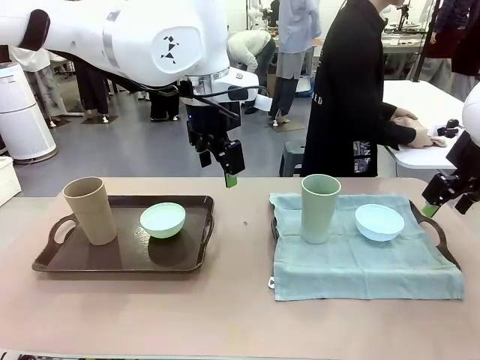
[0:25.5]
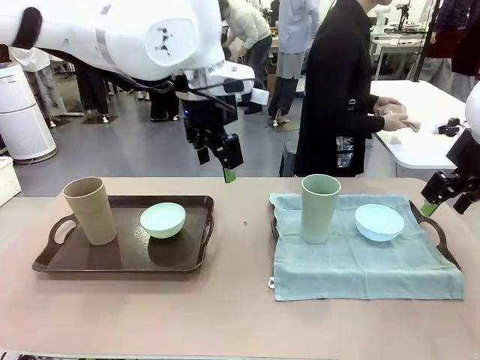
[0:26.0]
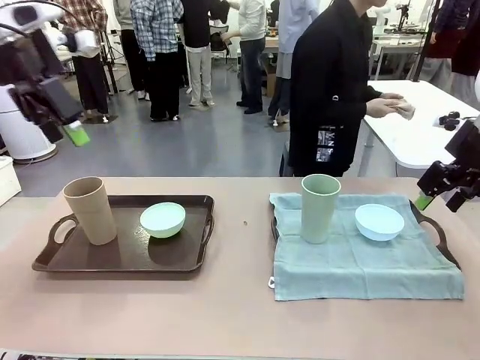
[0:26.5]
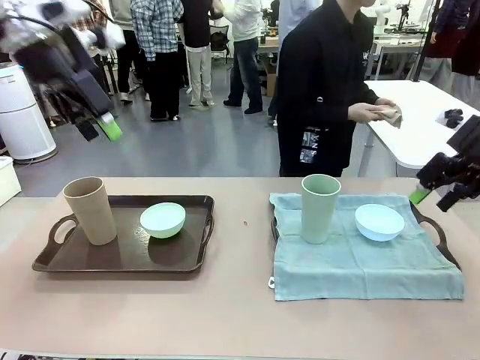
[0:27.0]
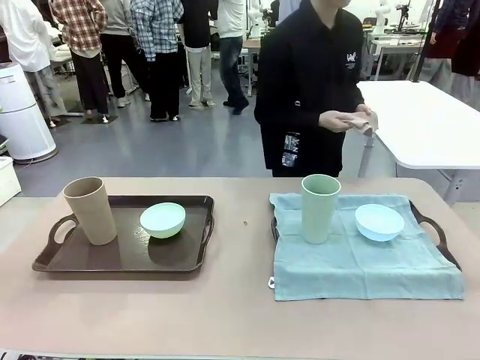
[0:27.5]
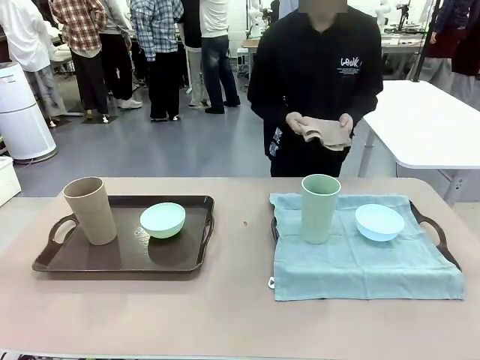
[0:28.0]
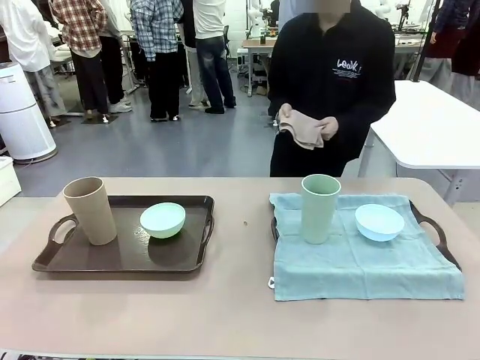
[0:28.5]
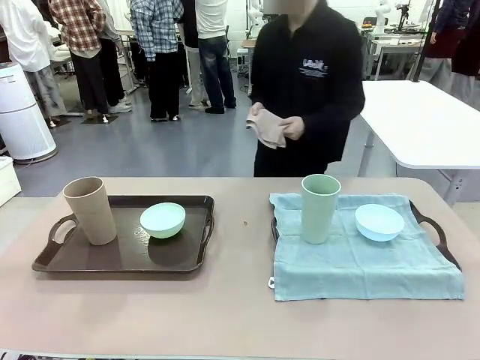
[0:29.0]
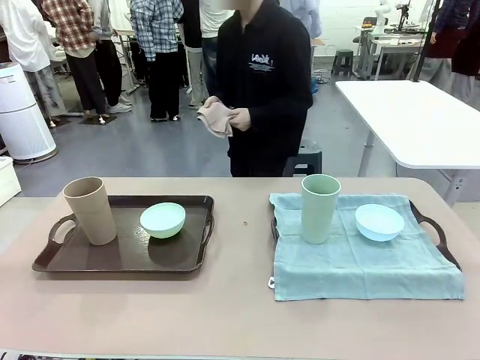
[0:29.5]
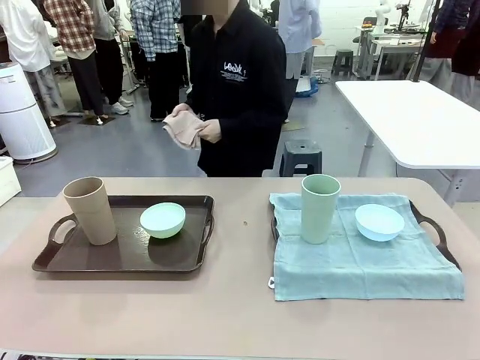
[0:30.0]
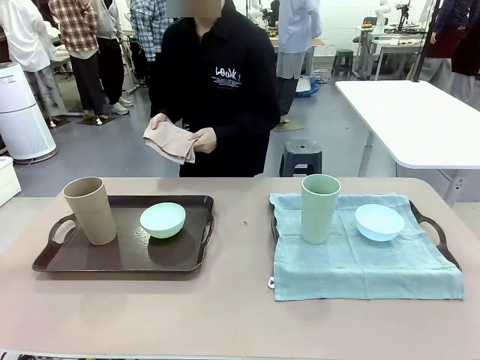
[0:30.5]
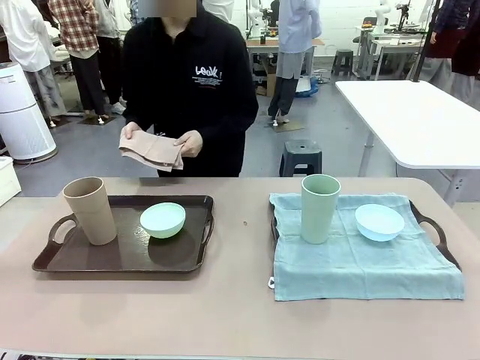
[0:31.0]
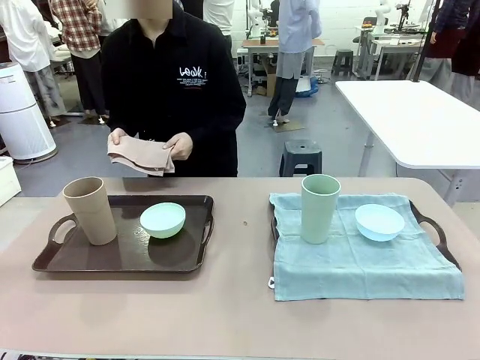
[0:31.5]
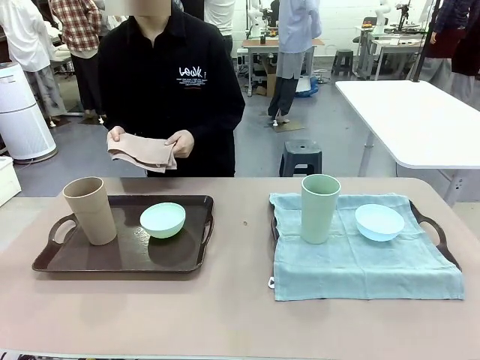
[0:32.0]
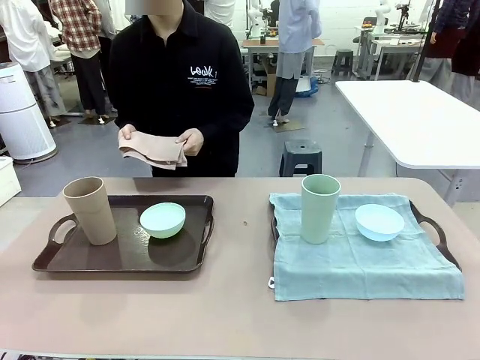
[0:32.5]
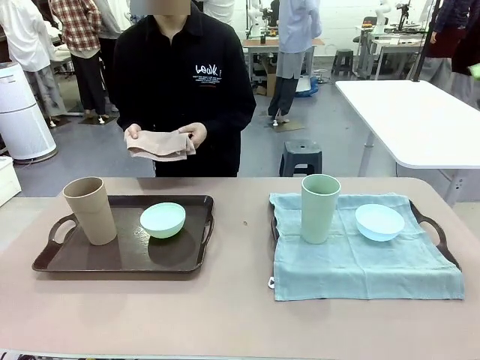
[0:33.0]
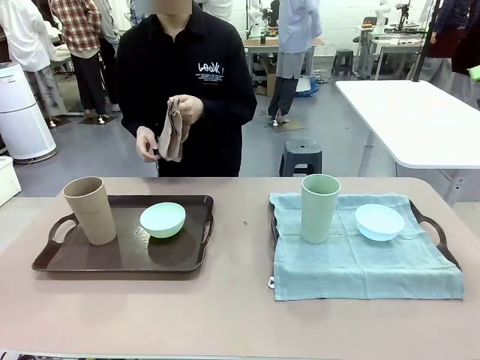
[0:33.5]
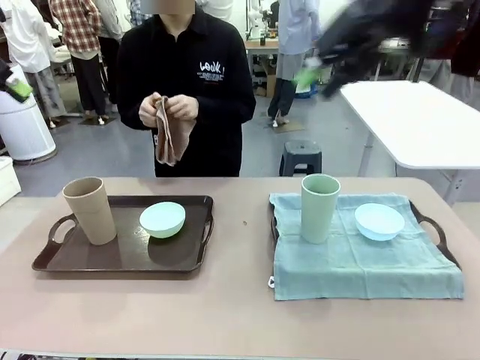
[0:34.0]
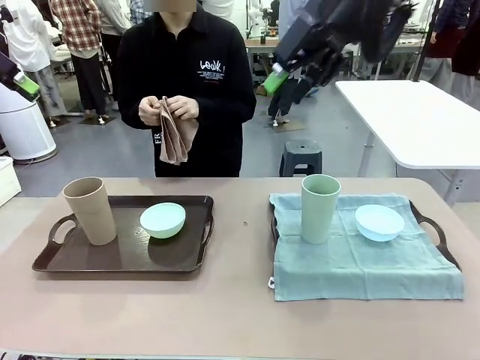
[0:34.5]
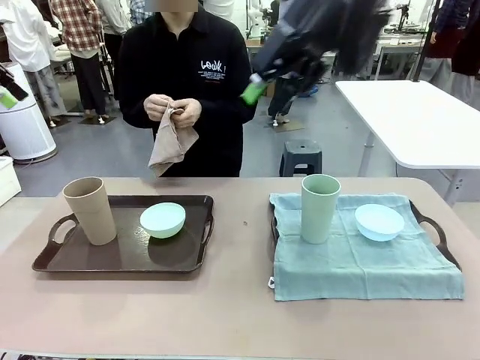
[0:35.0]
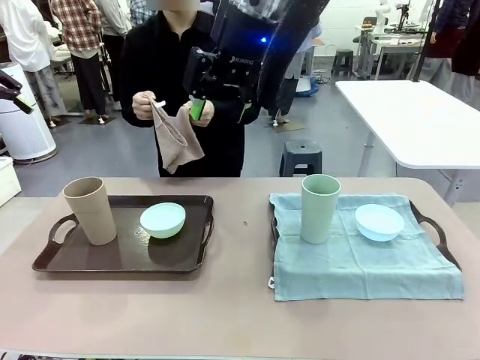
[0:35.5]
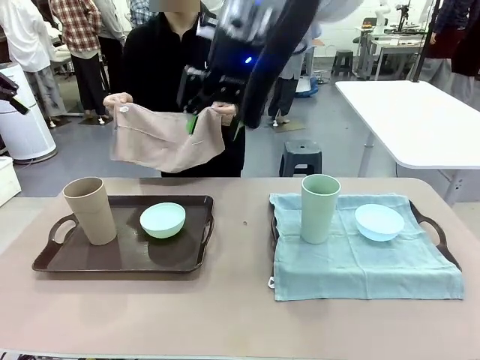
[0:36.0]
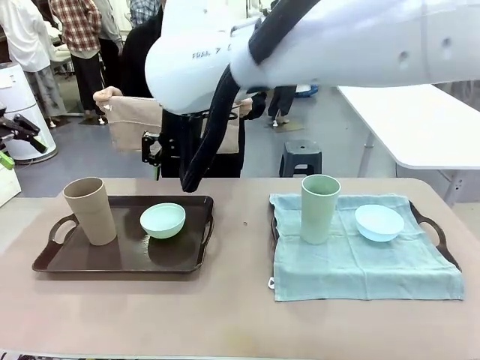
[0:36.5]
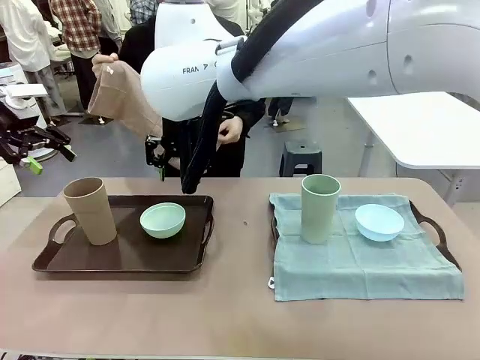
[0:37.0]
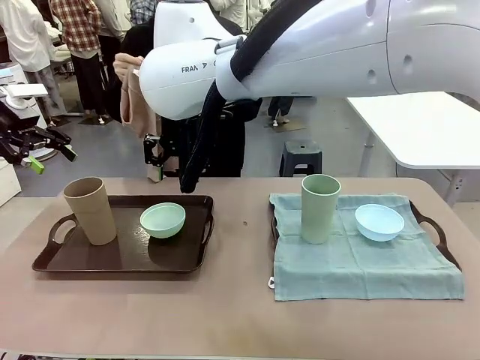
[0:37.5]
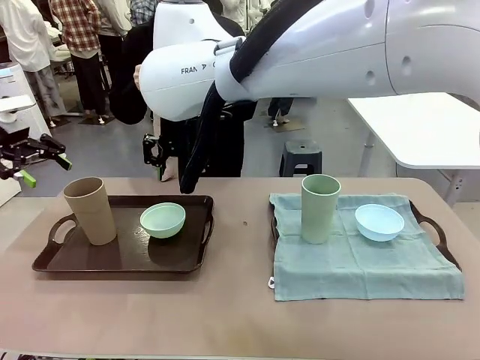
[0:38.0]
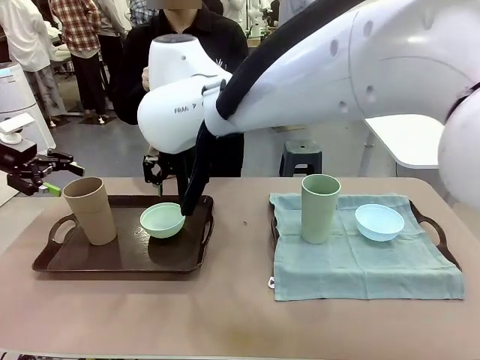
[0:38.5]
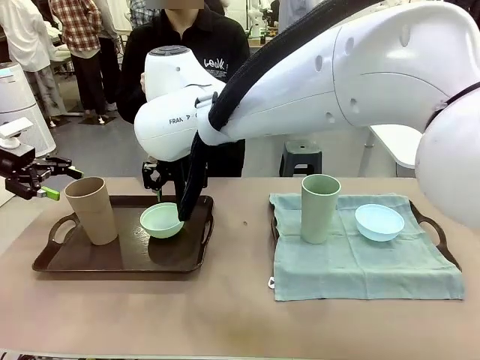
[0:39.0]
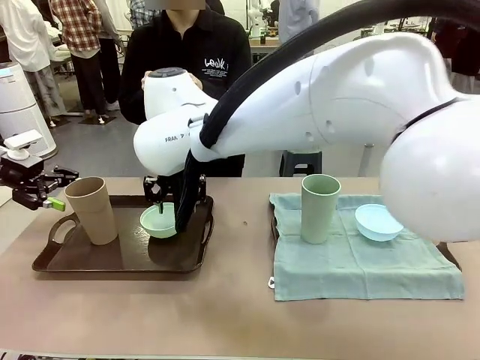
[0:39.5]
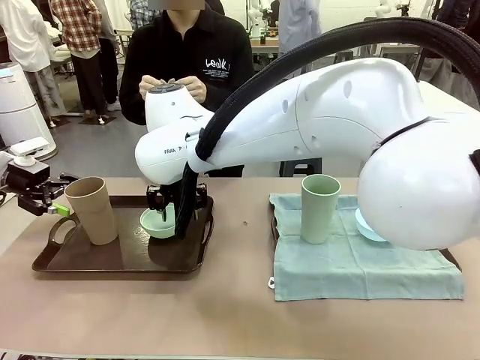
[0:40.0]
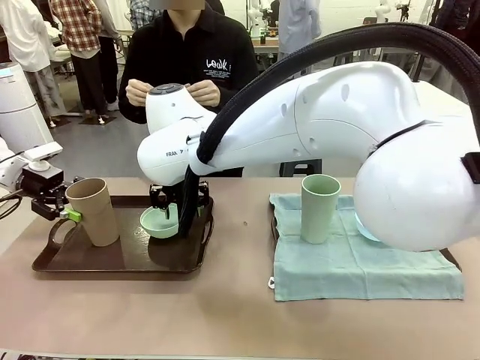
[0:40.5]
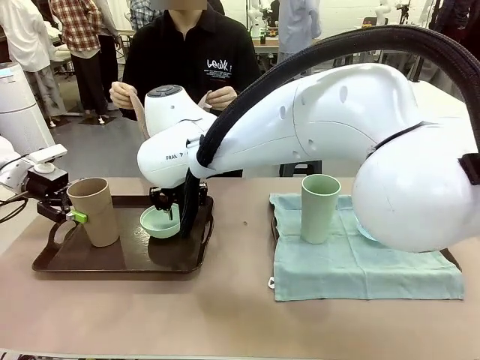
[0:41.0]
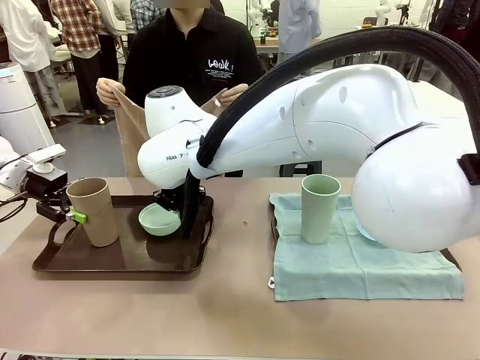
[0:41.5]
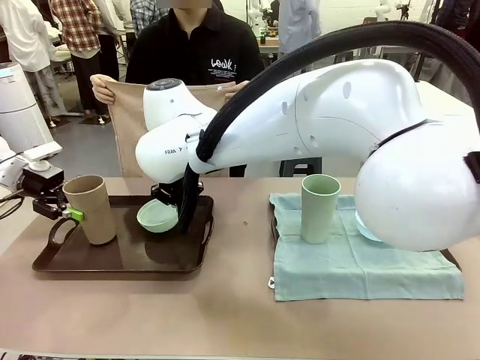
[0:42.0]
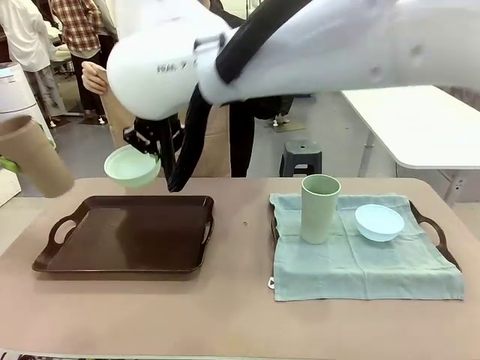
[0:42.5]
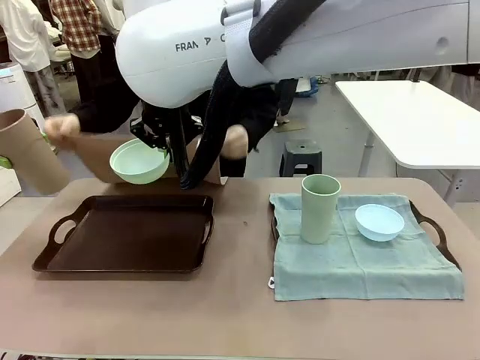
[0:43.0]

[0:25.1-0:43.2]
Robot: Pick up the Picnic Bowl and Reusable plastic cup from the Handle tray in front of the human's position and hold them in the air.
Person: The human returns to the human table to pick up another napkin and walks to the robot table to stand in front of the tray without a napkin.

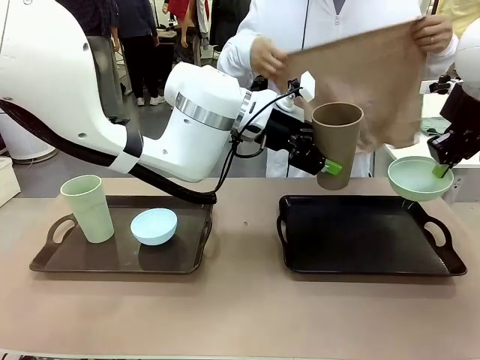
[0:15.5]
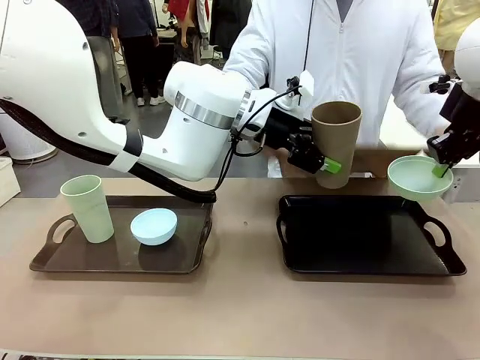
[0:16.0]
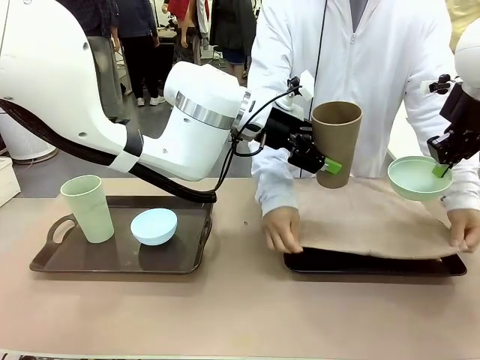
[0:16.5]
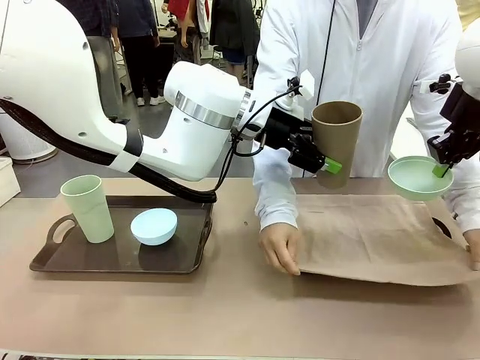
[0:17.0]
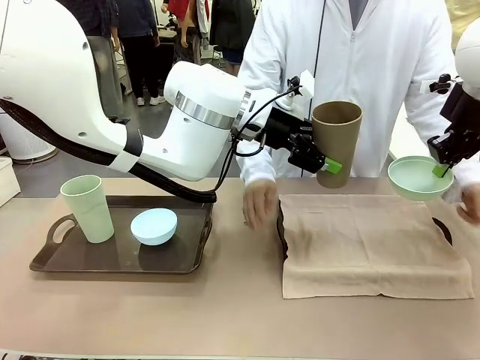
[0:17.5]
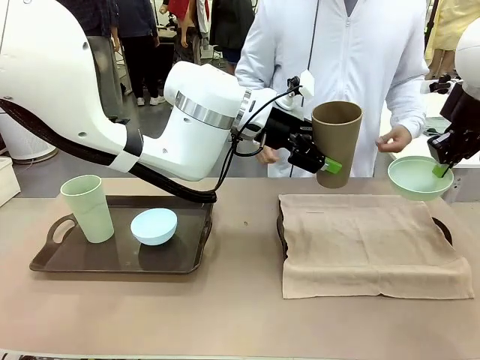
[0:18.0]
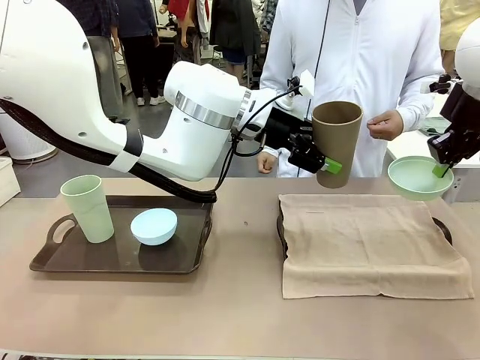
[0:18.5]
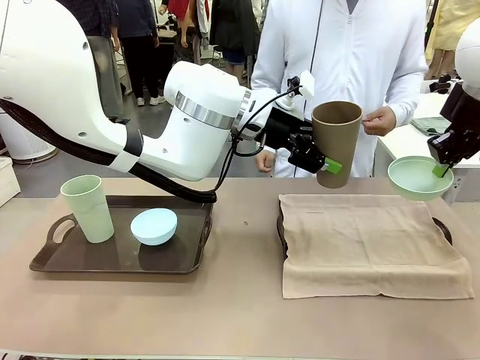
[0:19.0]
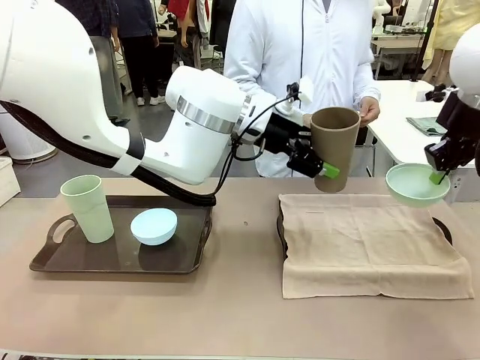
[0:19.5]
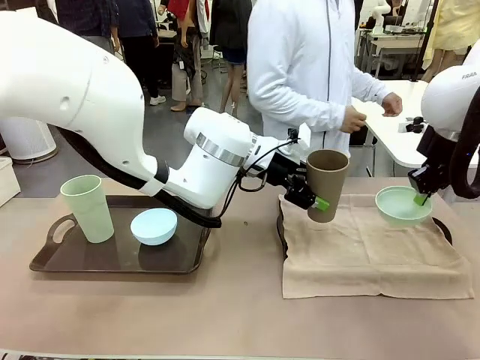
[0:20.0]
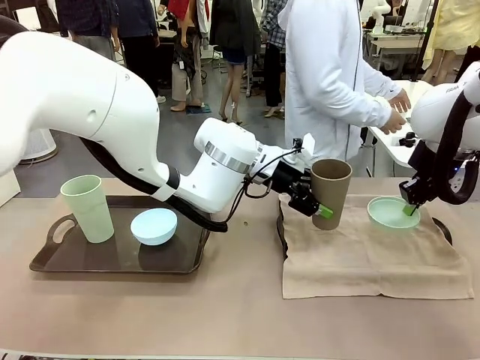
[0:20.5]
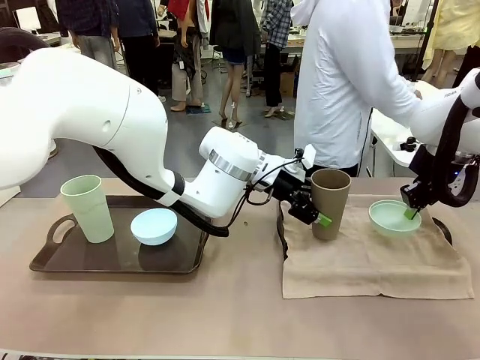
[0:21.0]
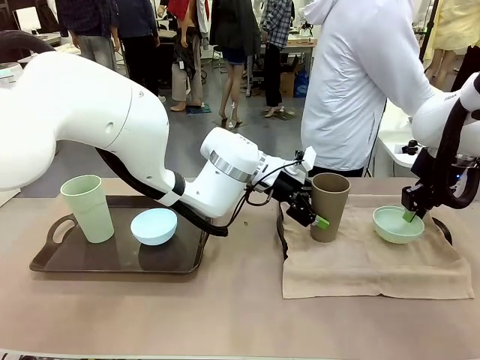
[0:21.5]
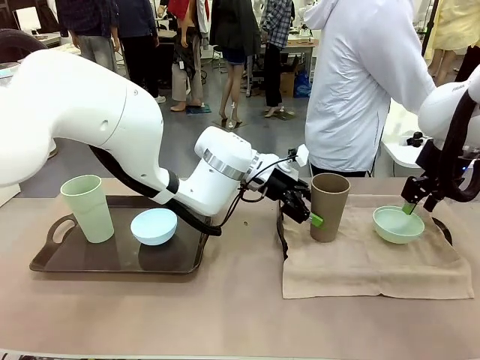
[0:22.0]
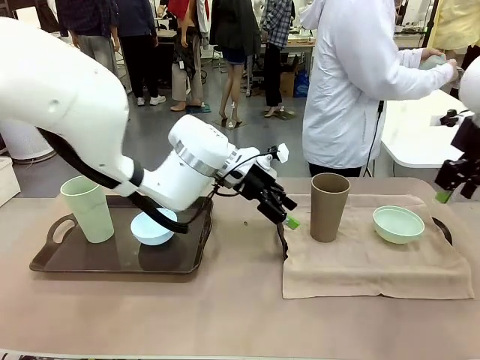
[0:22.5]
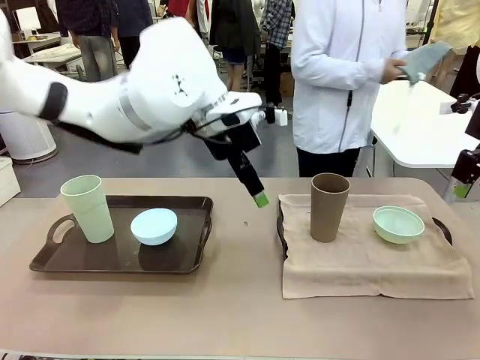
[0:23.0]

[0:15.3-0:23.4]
Robot: Place the Picnic Bowl and Reusable plastic cup back onto the Handle tray in front of the human's position.
Person: The human returns to the human table to pick up another napkin and walks to the robot table to stand in front of the tray without a napkin.
